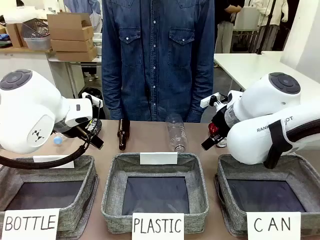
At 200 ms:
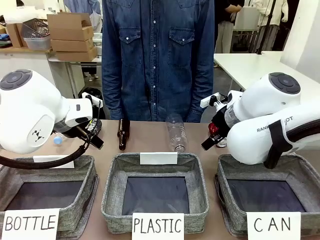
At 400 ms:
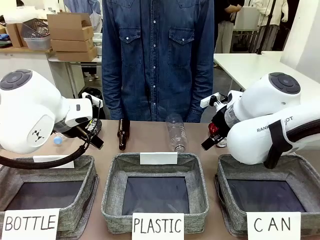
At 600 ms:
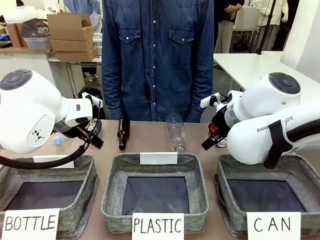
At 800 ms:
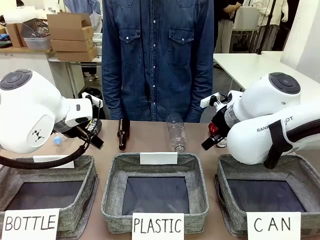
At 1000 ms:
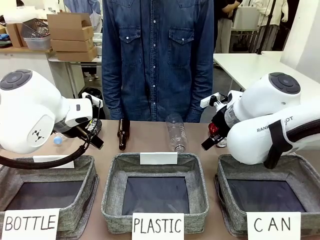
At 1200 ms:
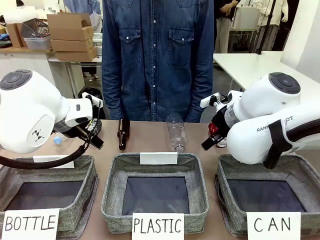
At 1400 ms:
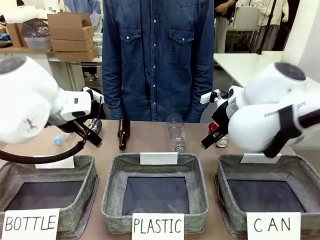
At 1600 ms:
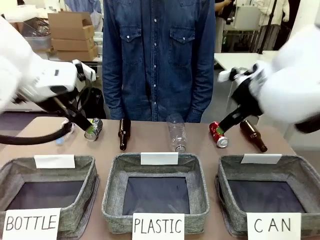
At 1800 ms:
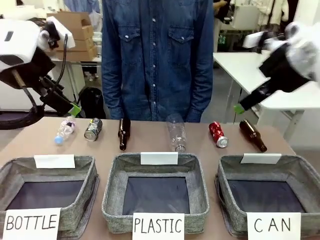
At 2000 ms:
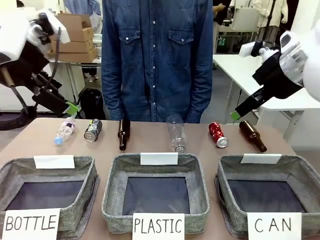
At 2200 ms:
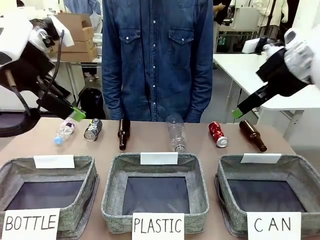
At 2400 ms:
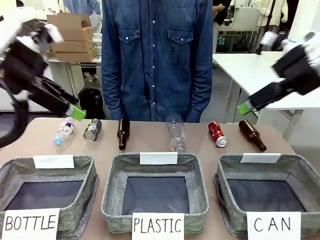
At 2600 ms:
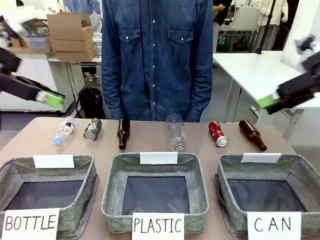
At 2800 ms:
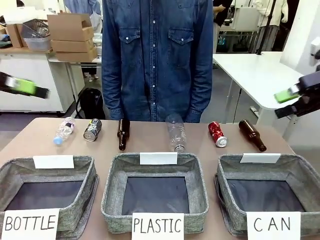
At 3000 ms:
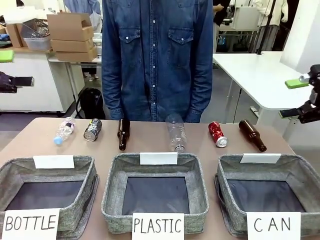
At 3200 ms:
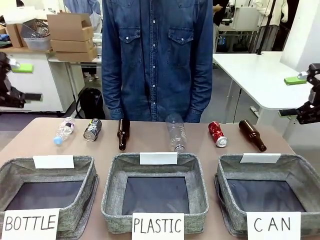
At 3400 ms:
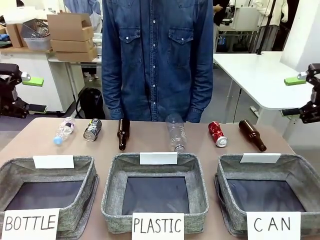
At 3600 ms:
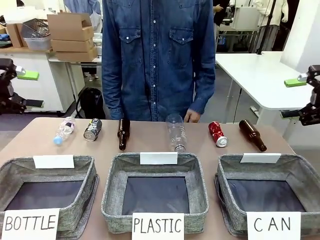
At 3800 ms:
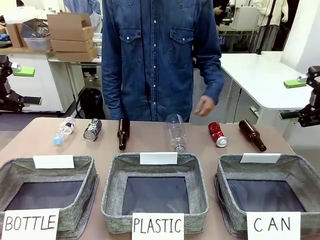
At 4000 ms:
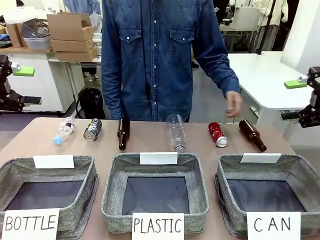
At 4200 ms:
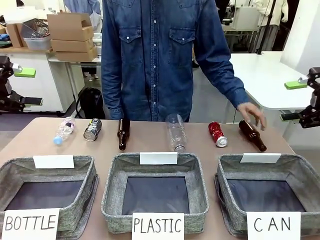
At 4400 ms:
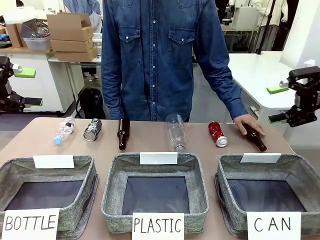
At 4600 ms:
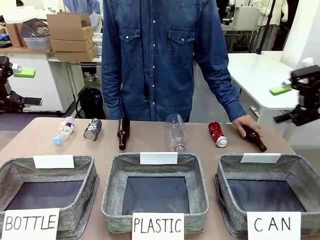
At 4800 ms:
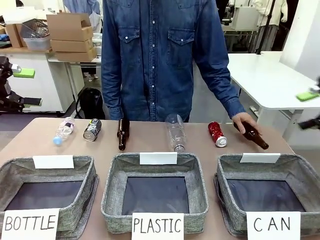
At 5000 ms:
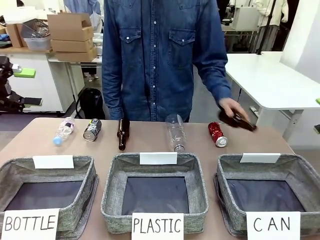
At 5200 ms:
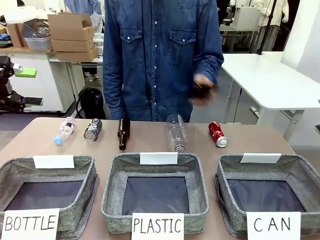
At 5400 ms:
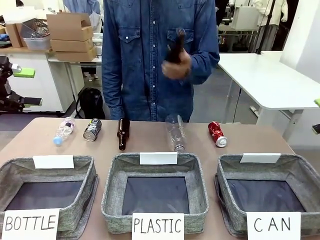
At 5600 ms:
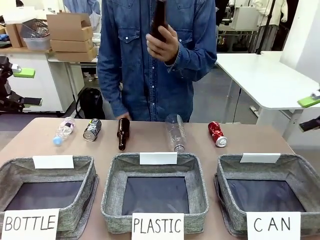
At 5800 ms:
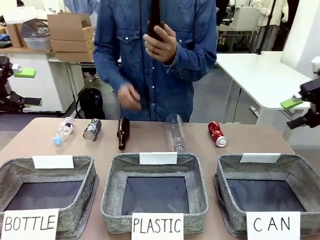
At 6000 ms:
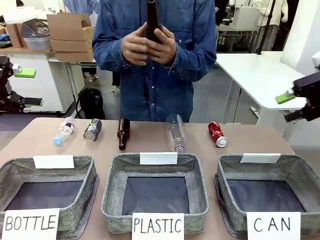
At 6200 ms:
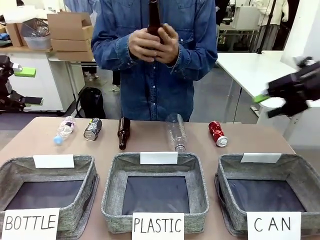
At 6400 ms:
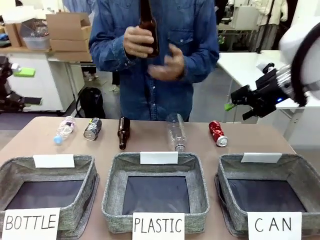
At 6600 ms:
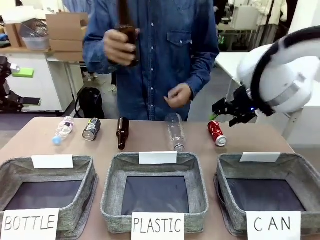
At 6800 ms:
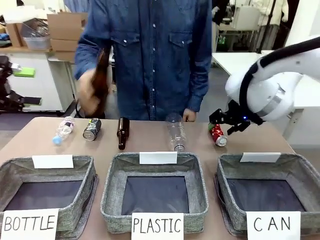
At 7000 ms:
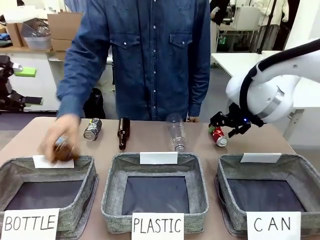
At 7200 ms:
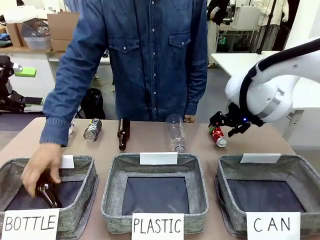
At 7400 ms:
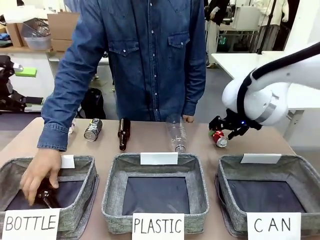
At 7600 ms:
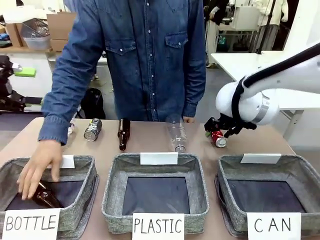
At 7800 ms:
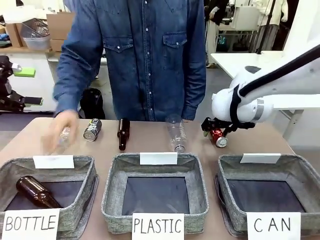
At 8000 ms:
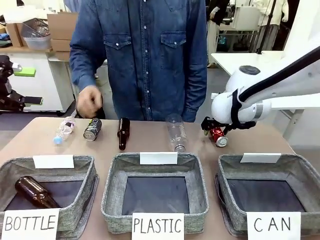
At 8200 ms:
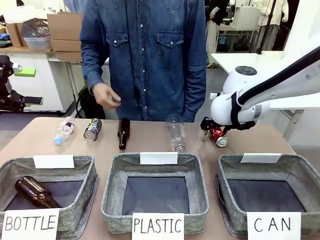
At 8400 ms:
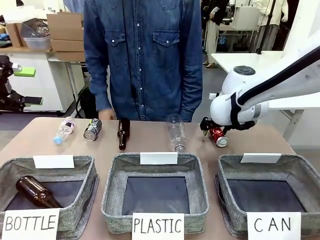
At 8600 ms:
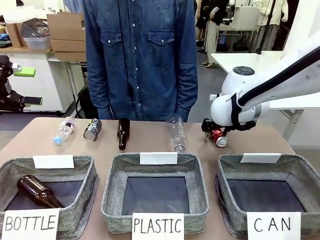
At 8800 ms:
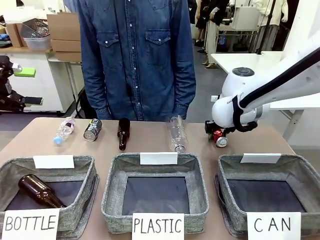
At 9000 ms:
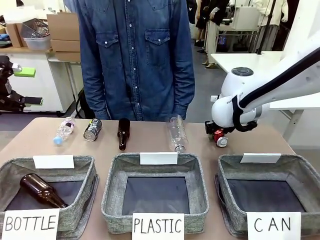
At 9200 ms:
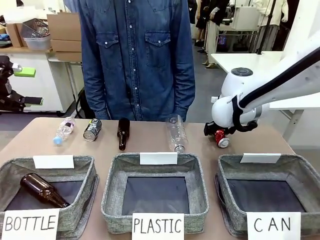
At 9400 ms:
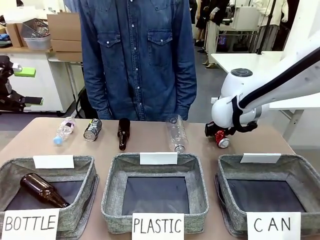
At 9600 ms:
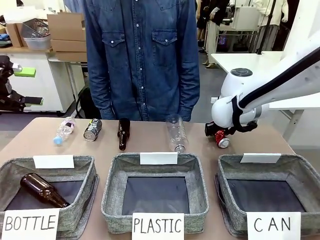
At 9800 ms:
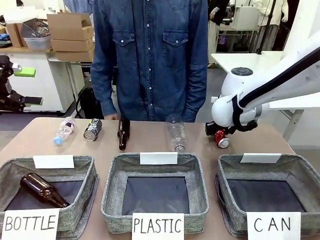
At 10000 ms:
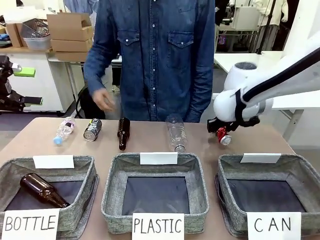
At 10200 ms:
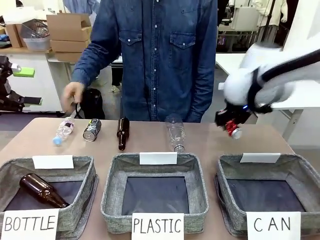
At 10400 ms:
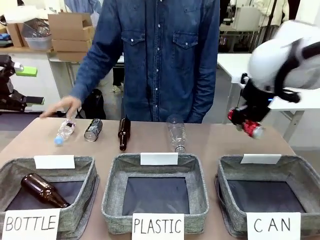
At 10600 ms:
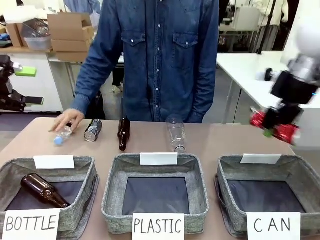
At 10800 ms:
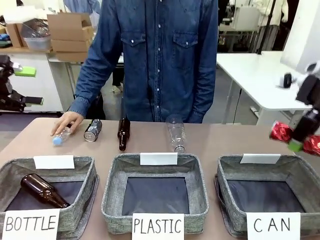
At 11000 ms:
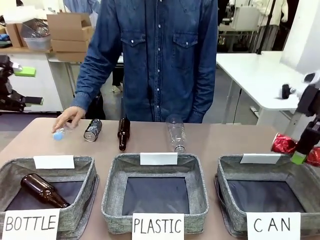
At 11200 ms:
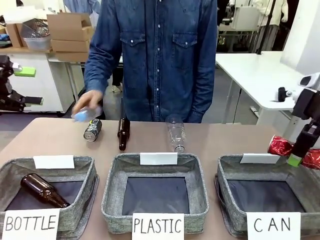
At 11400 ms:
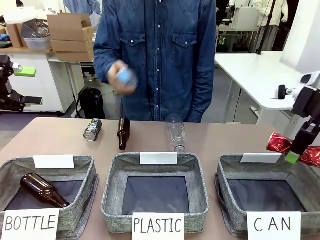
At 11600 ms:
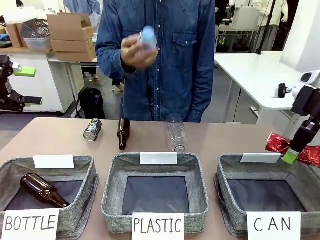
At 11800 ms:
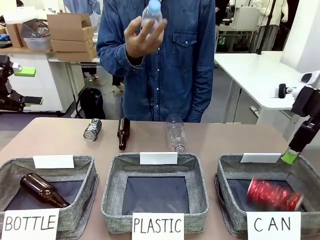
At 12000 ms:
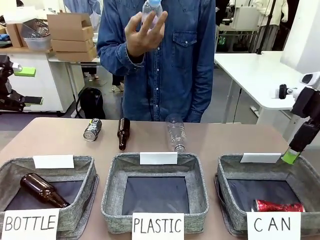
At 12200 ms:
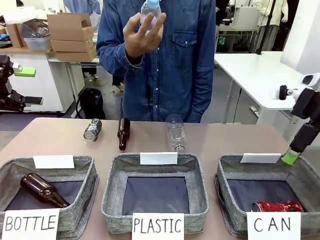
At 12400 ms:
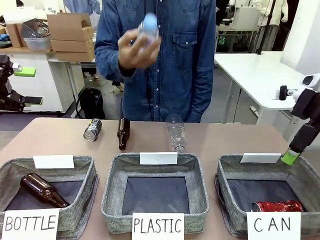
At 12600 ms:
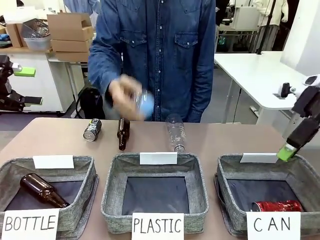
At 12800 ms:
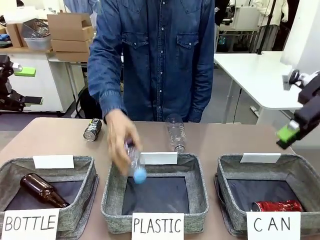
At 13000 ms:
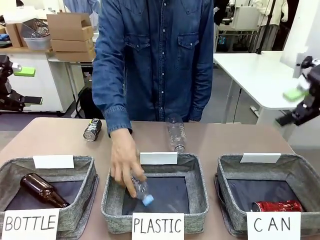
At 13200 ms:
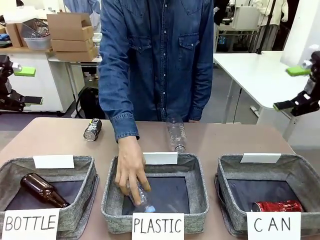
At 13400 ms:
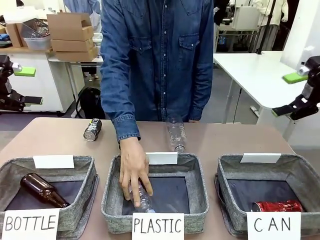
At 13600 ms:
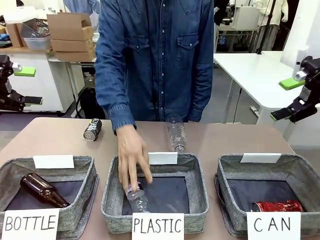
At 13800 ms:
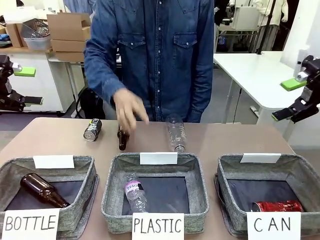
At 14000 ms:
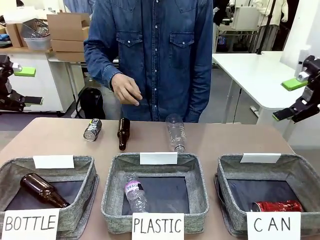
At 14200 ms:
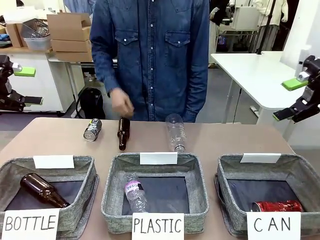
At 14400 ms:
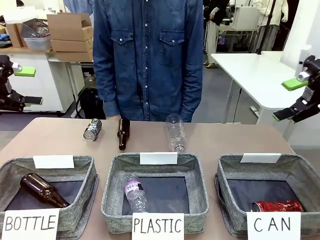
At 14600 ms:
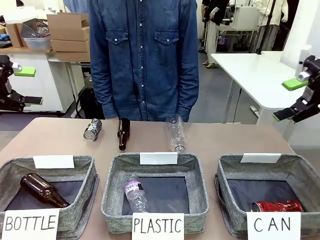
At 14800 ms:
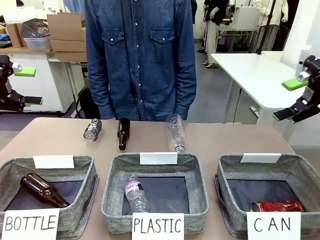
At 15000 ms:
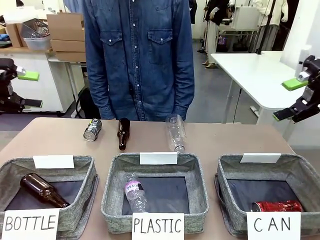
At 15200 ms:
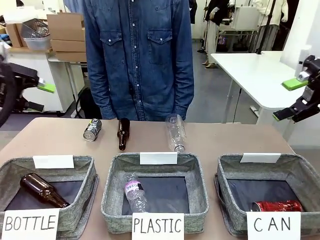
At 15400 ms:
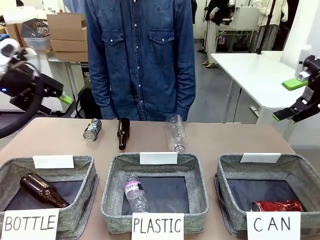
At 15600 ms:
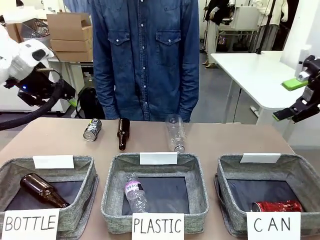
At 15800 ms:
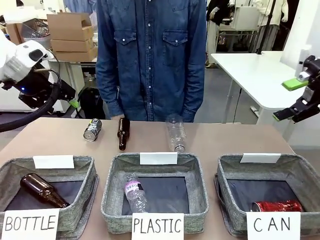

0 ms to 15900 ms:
Task: Sort the can waste into the basket.
Robot: Pick up the can waste from the table and place it in the right Fabric basket.
